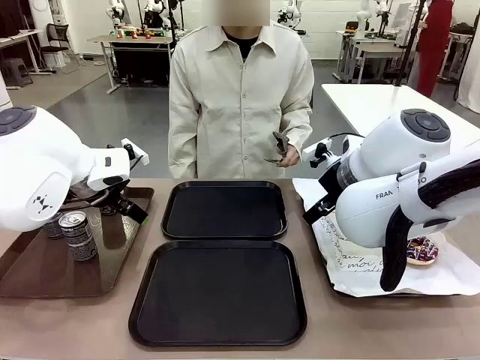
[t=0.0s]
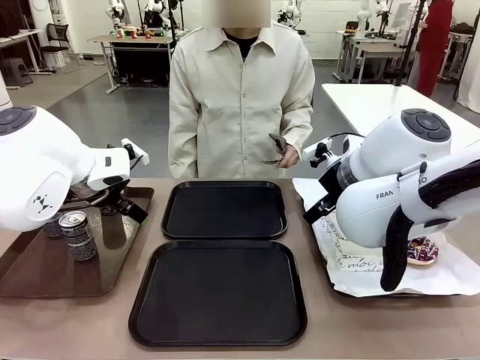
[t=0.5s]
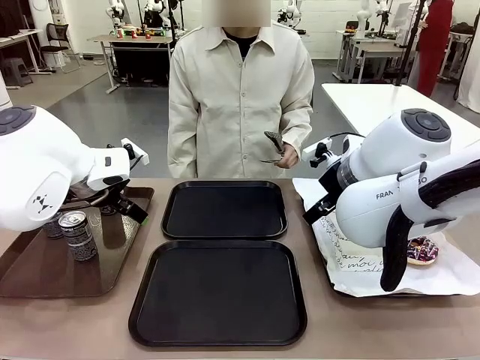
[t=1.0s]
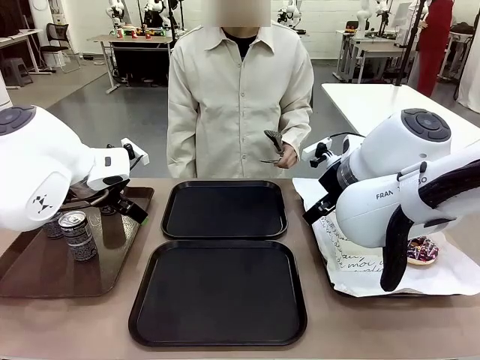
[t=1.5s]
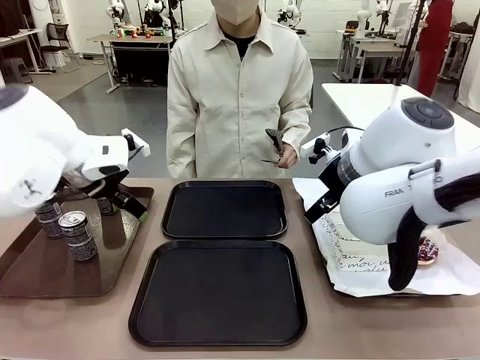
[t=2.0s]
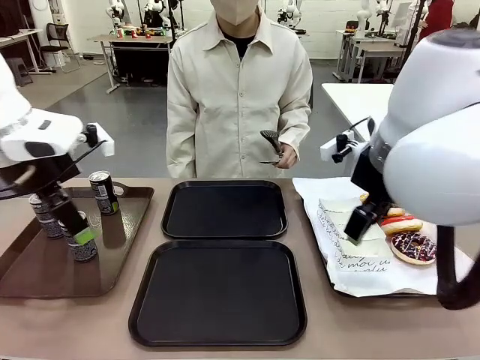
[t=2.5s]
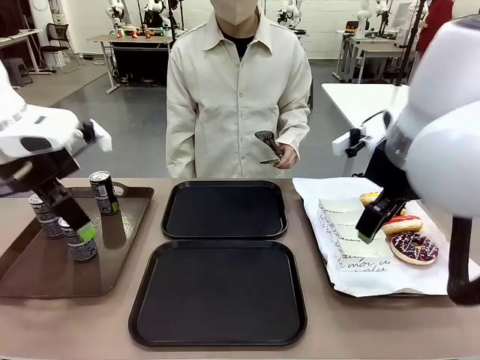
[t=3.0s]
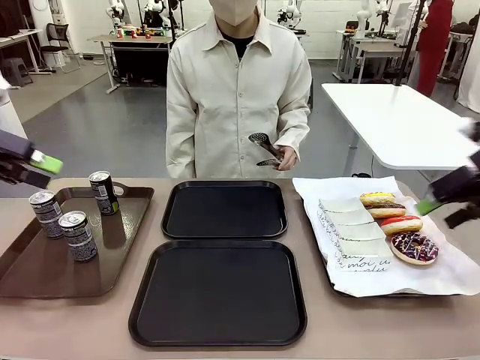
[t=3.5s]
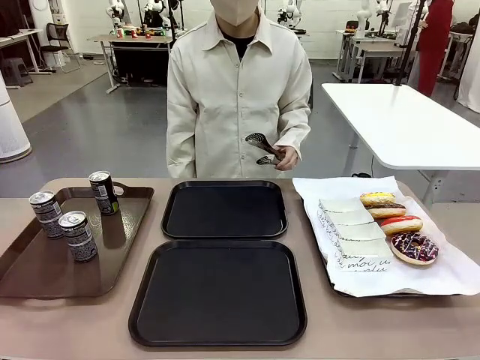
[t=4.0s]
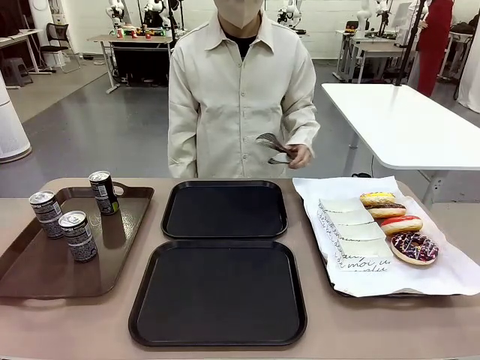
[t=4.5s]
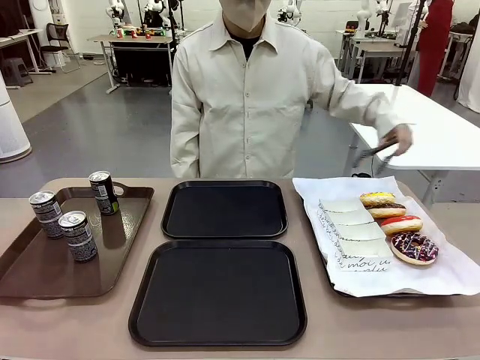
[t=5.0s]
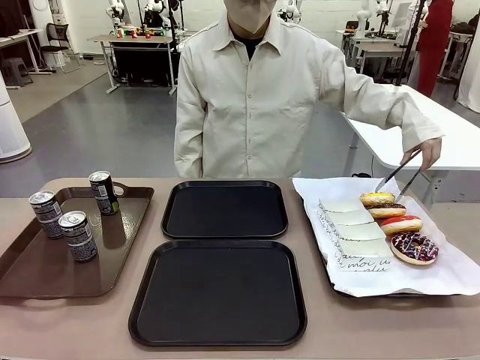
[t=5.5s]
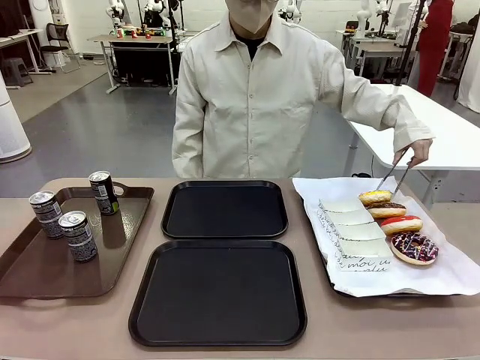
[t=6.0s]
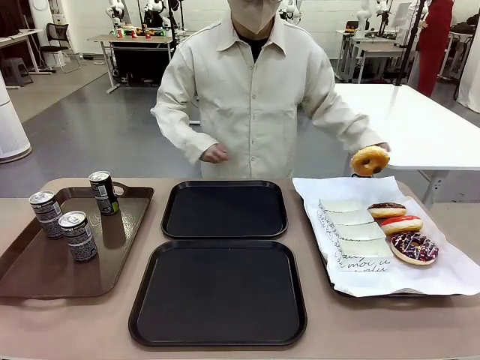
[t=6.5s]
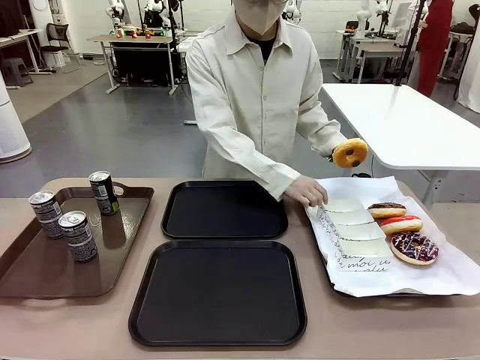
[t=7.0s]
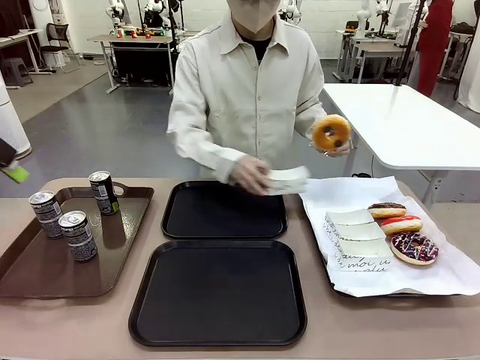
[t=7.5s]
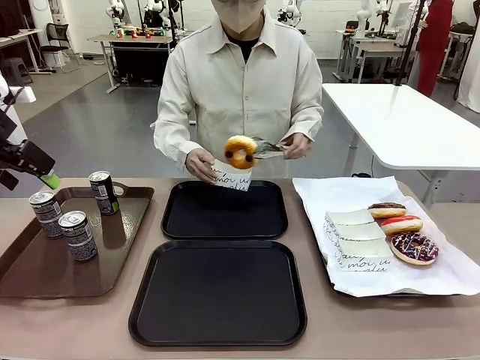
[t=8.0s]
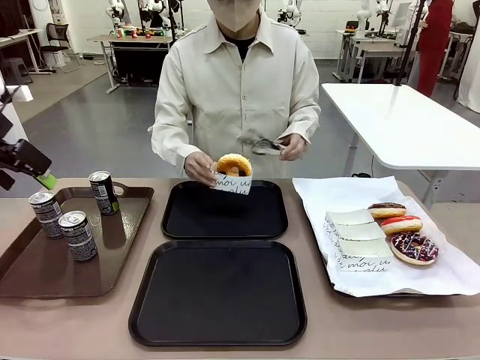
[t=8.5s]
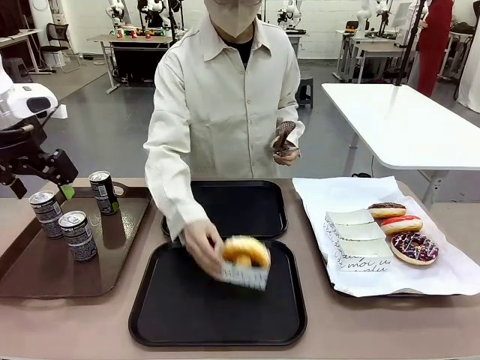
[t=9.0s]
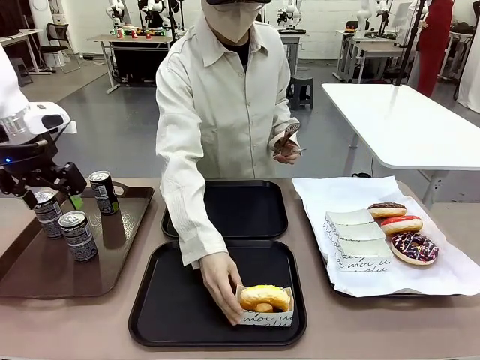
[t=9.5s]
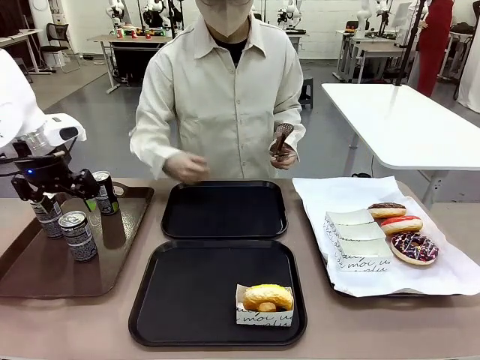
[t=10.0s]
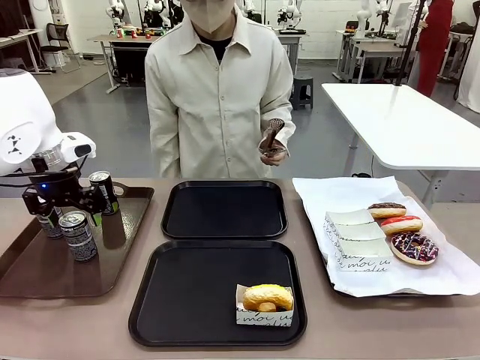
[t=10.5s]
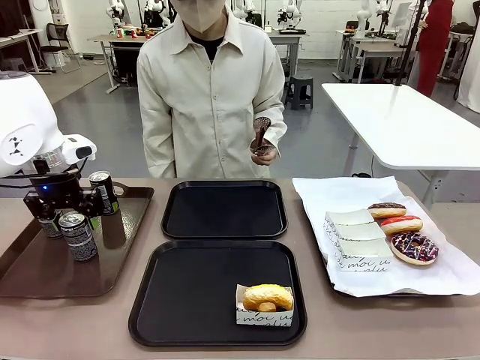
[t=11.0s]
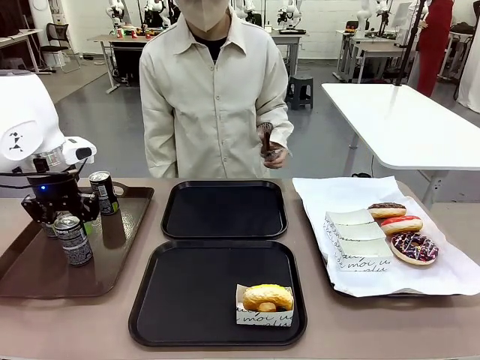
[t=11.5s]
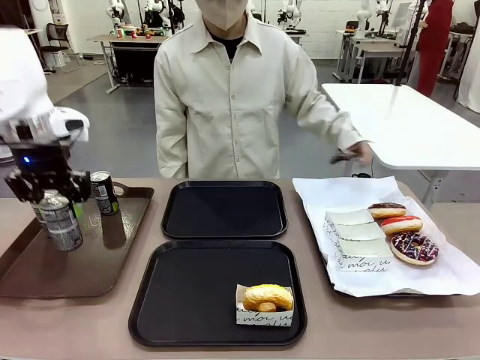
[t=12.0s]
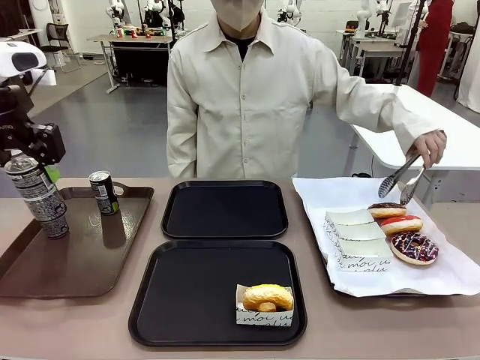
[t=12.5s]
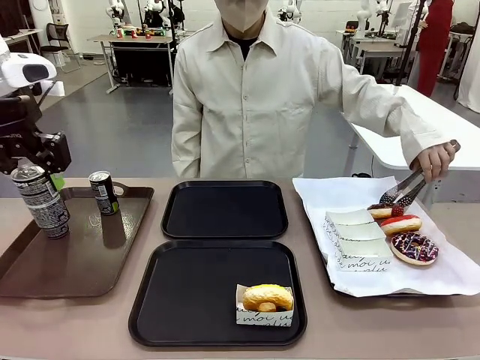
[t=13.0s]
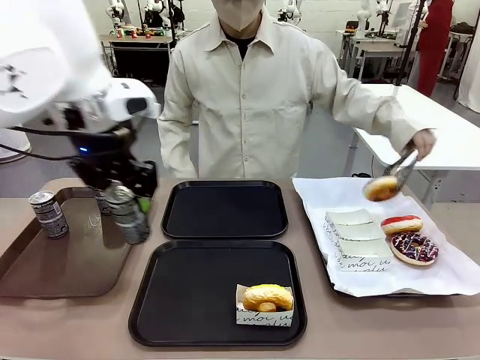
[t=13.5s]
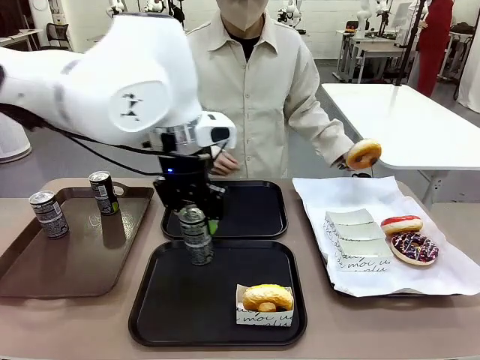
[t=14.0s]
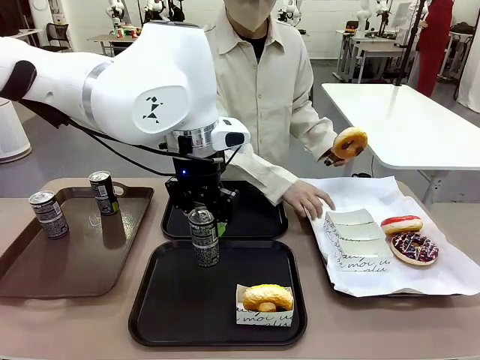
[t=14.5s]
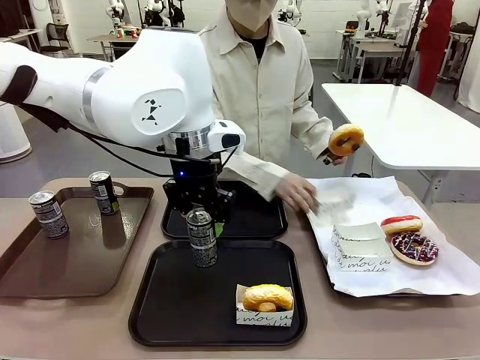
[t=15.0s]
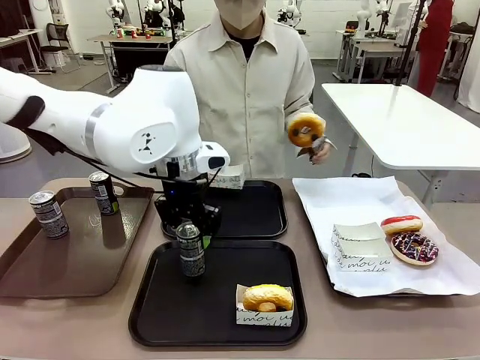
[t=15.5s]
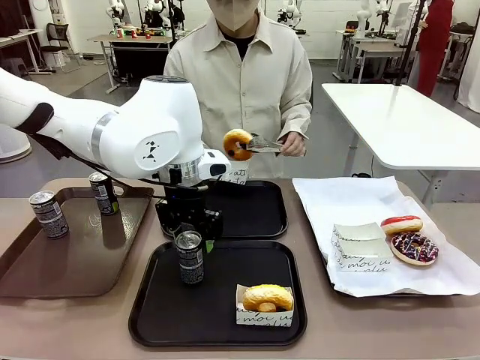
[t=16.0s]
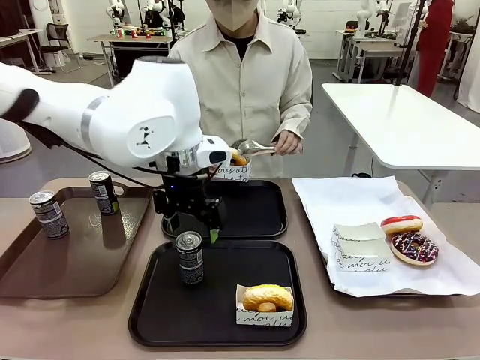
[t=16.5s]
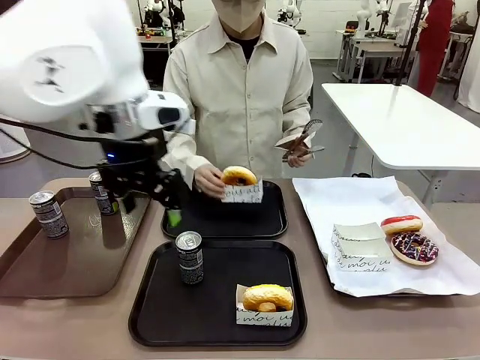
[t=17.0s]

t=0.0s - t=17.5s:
Task: Set up donuts and drinks on trays.
Robot: Pick up one Pepsi coke and place it on the Flat Tray.

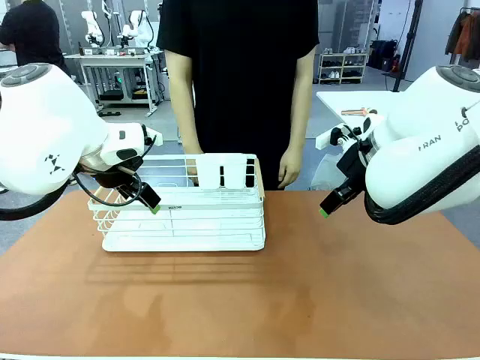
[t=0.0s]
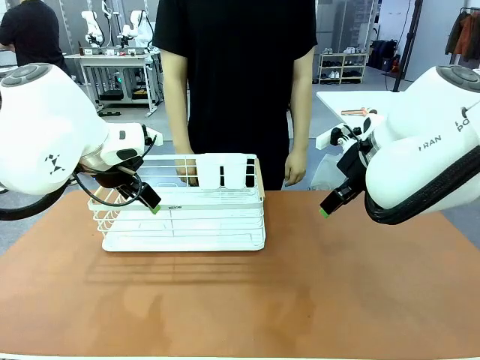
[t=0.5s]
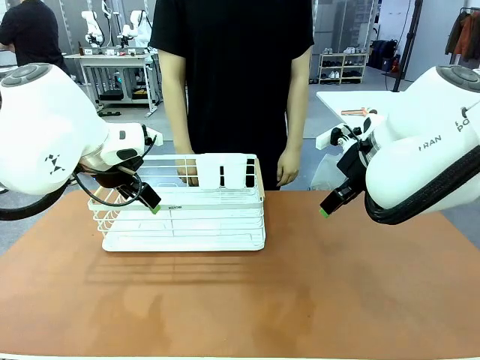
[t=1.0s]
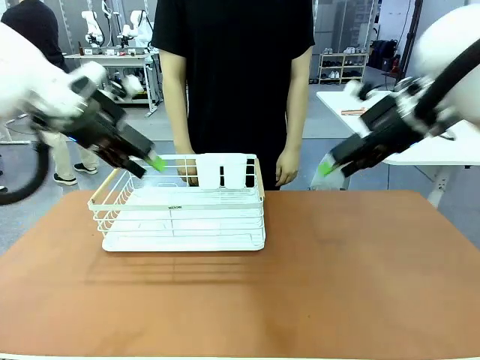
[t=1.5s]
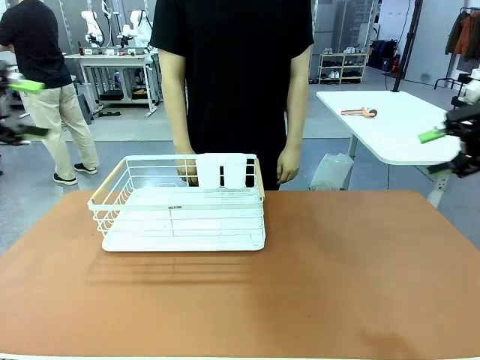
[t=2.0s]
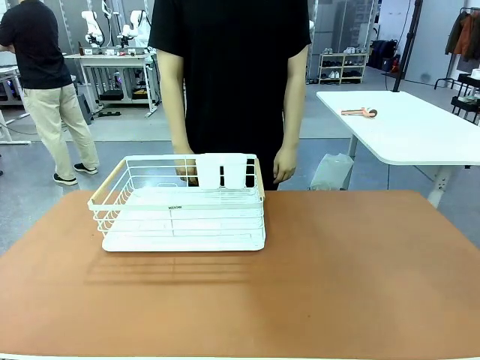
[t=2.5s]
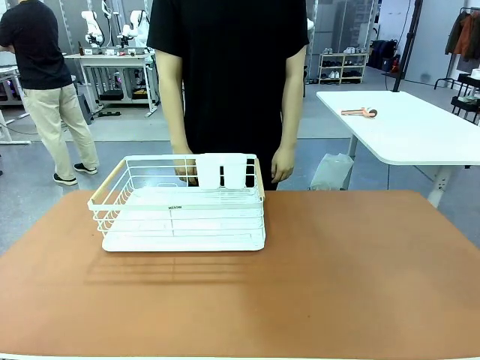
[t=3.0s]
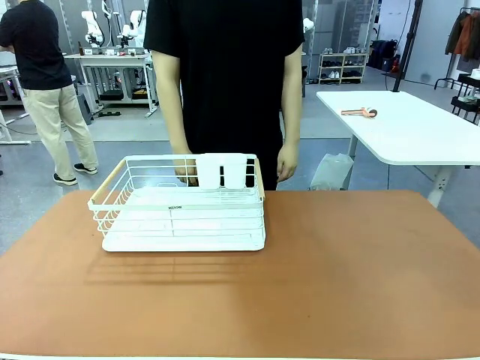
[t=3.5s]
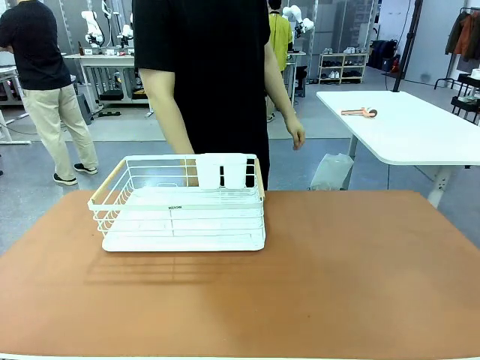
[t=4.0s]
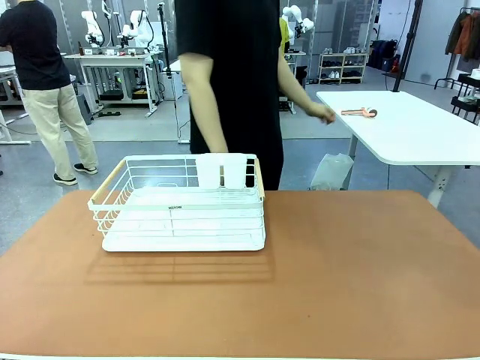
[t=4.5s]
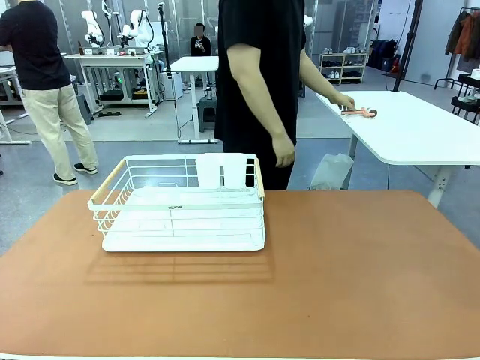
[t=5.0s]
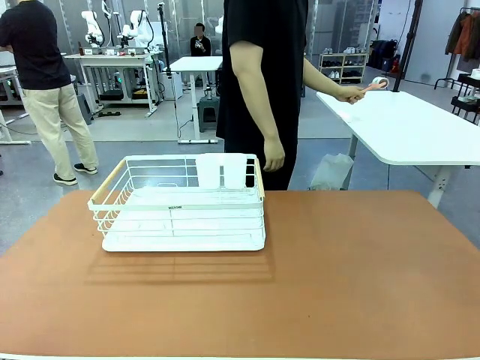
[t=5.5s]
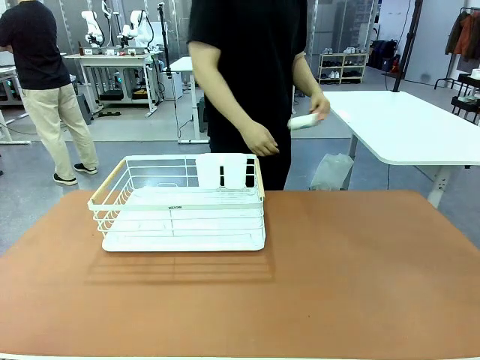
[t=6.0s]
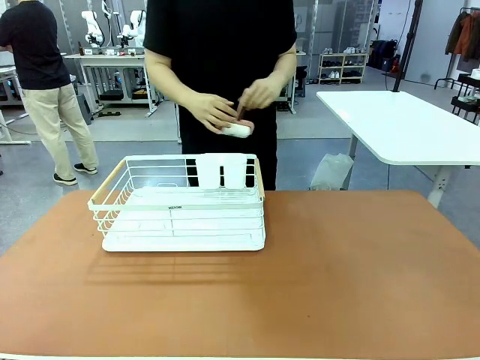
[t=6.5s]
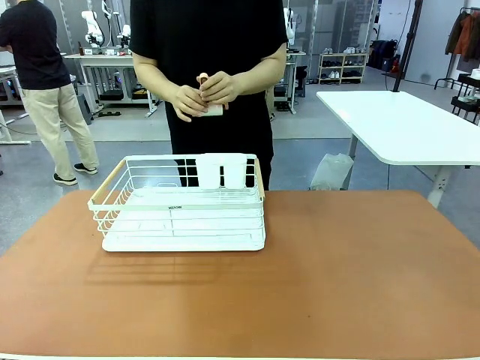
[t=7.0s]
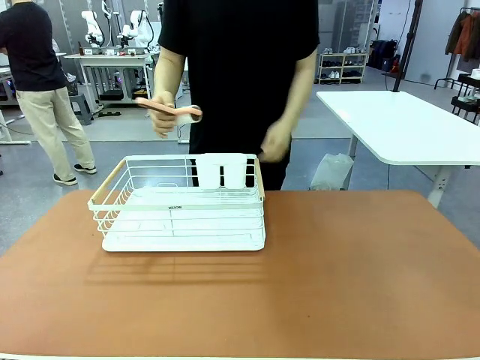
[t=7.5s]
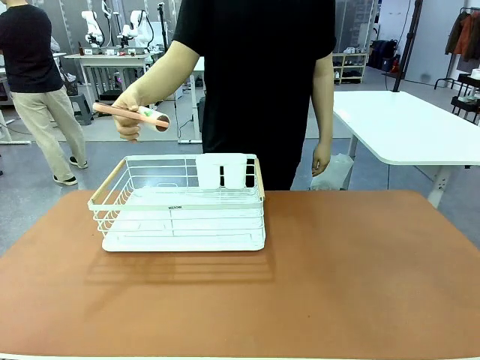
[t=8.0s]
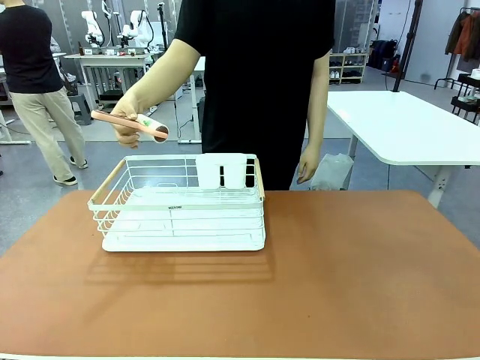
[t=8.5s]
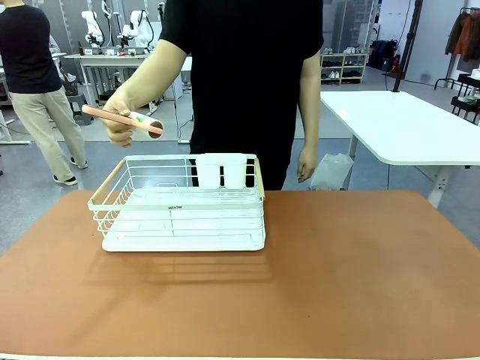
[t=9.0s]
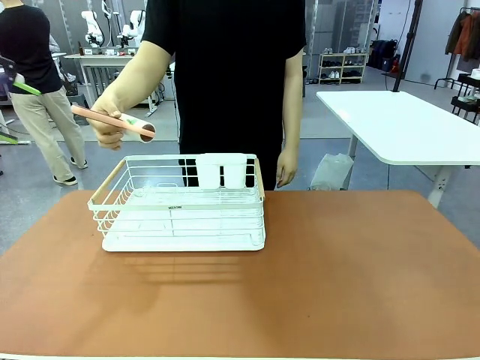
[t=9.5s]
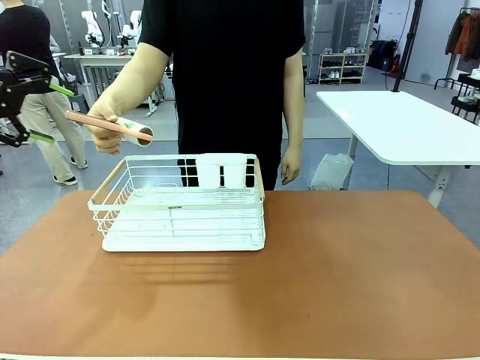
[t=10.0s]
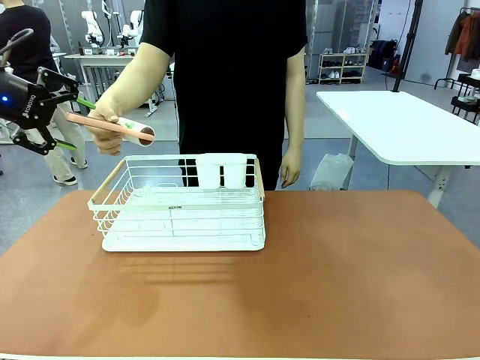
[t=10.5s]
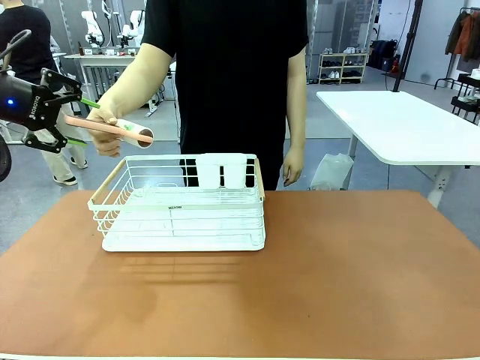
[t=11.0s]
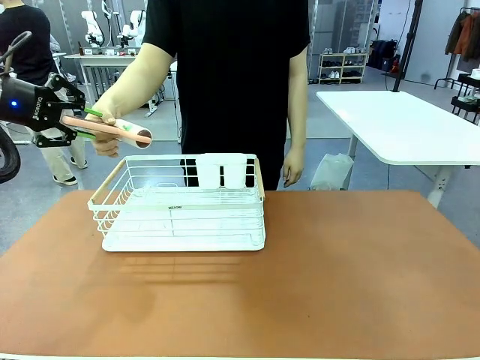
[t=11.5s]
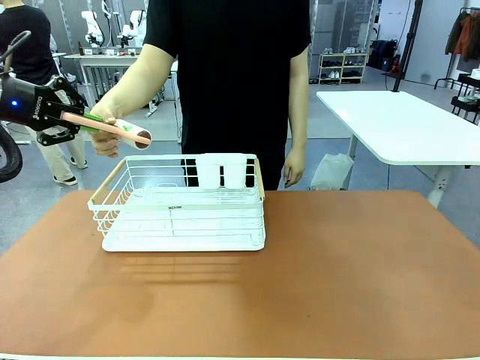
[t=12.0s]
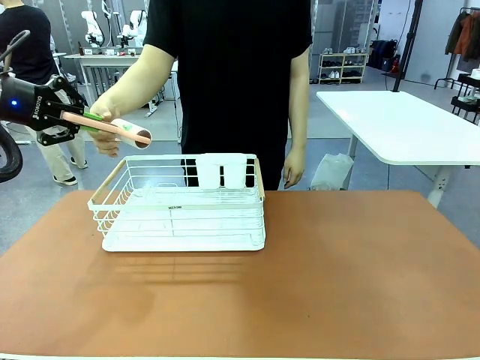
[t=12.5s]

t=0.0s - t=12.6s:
Task: Clean the table.
Robot: Pick up the Lint Roller when the human hands it over.
Person: Hand the Lint Roller to the robot so it can easily pick it up. Lift the Dish drying rack.
